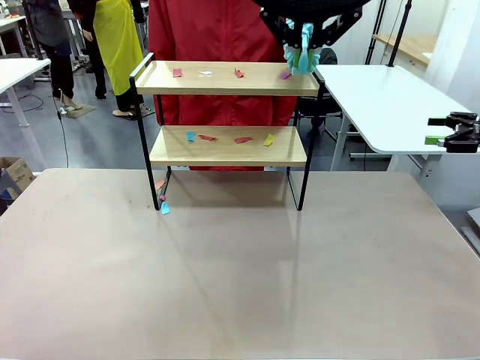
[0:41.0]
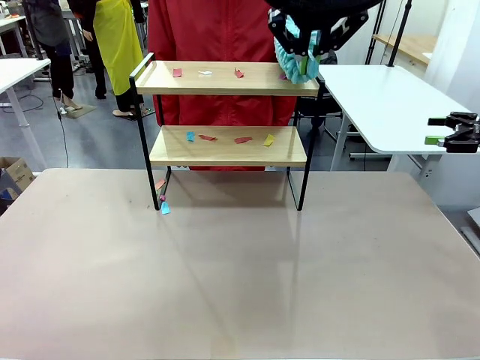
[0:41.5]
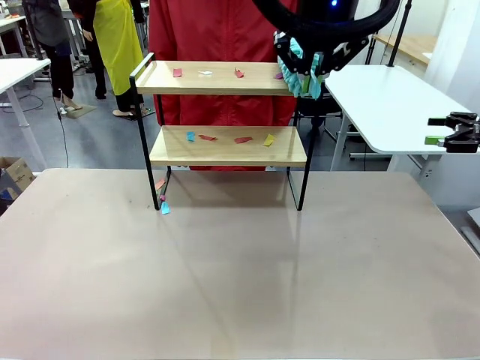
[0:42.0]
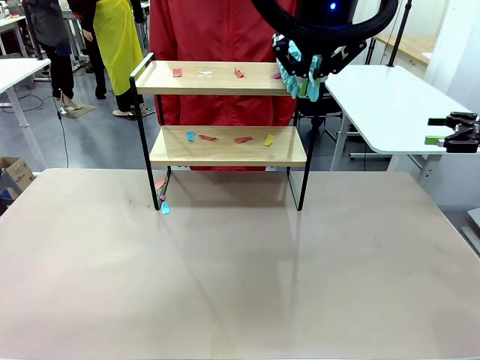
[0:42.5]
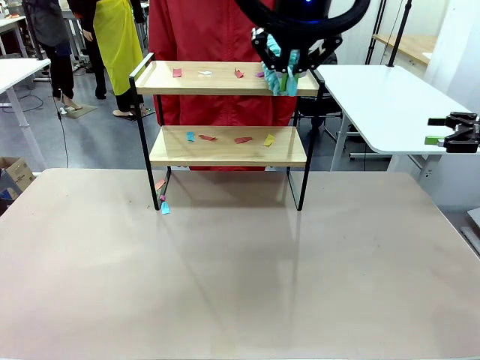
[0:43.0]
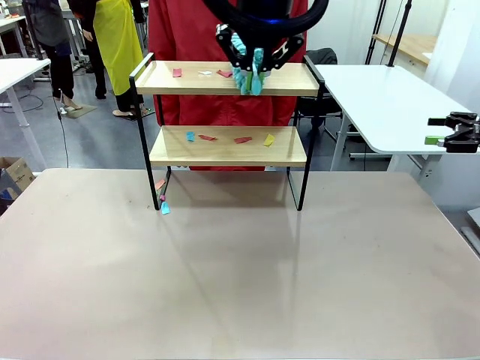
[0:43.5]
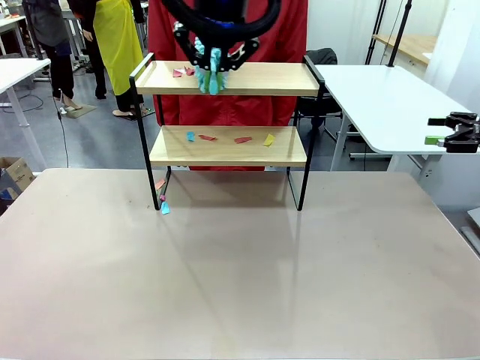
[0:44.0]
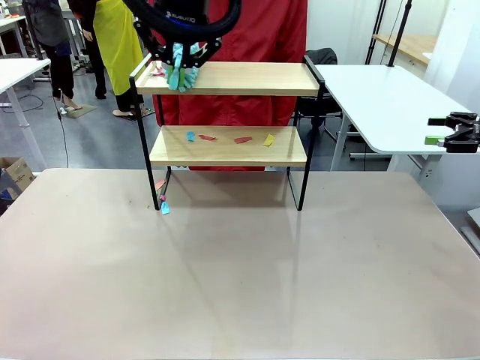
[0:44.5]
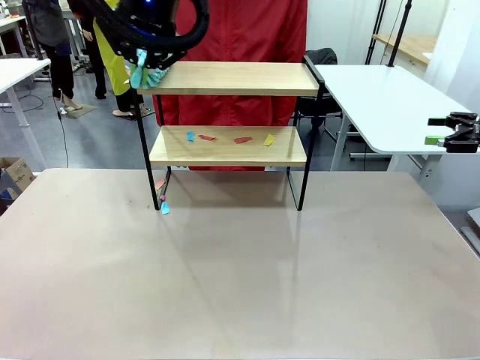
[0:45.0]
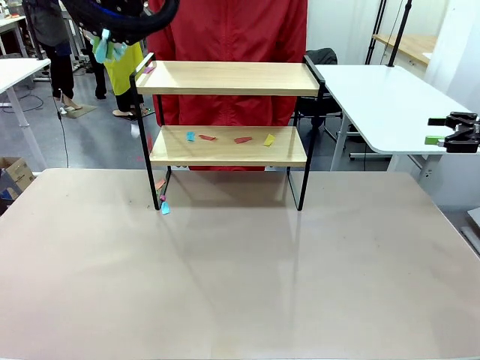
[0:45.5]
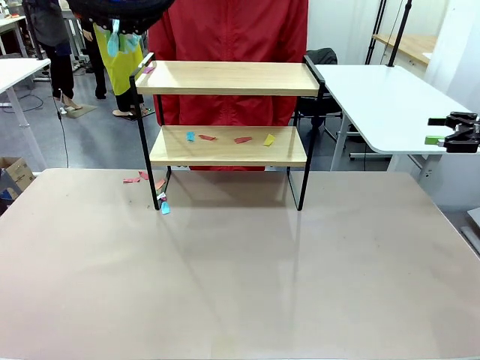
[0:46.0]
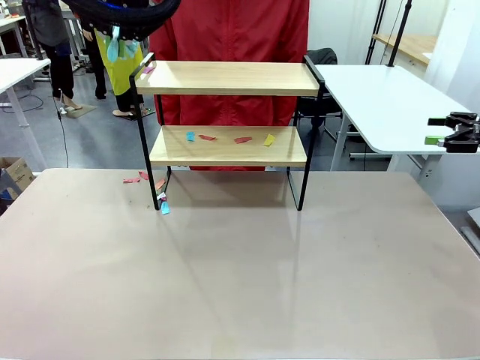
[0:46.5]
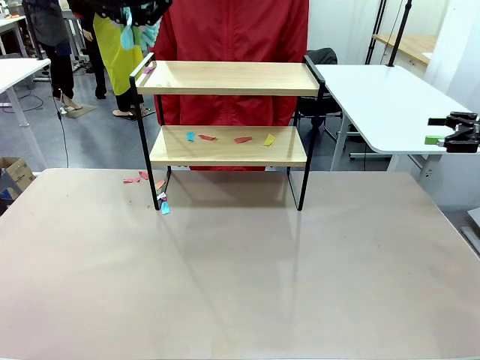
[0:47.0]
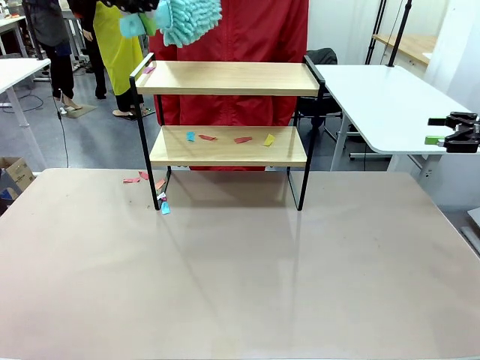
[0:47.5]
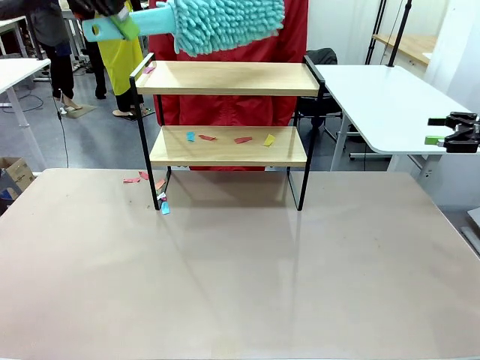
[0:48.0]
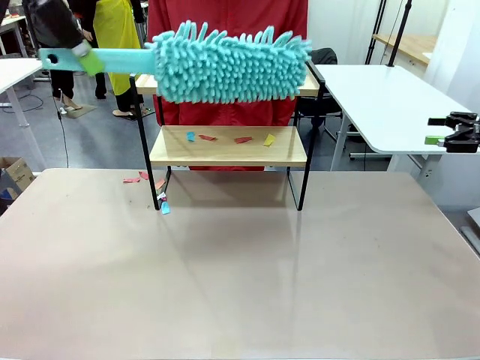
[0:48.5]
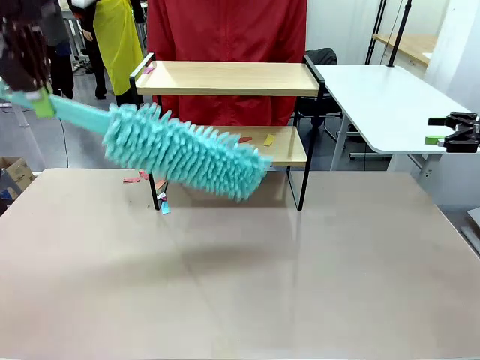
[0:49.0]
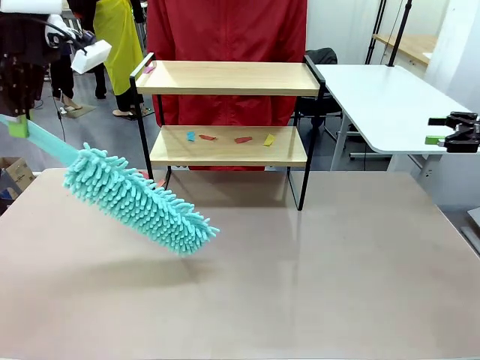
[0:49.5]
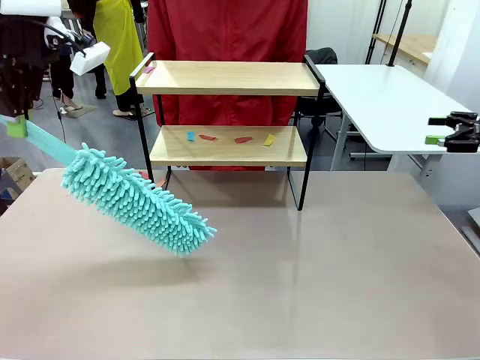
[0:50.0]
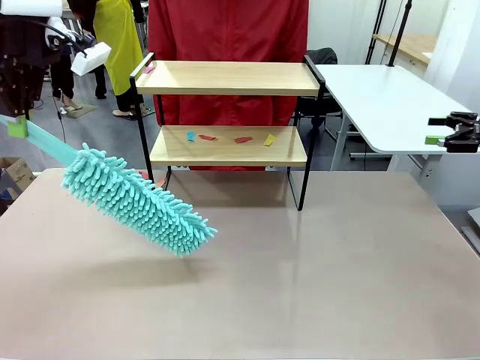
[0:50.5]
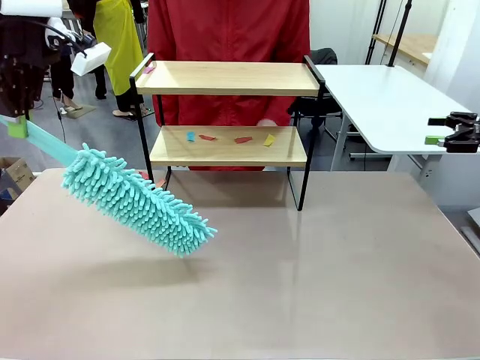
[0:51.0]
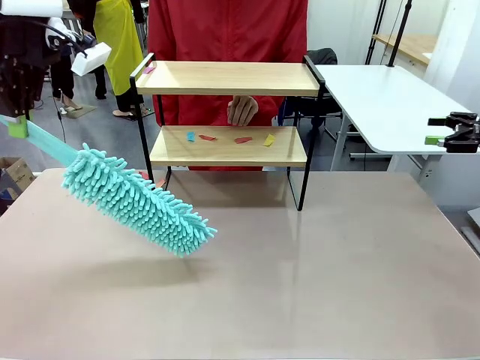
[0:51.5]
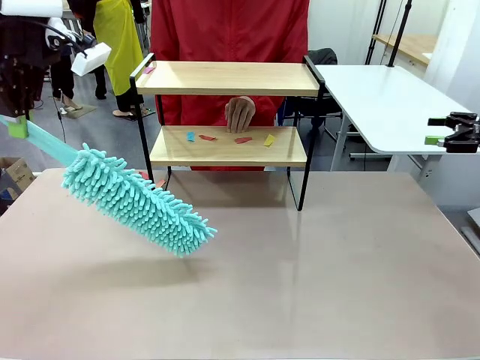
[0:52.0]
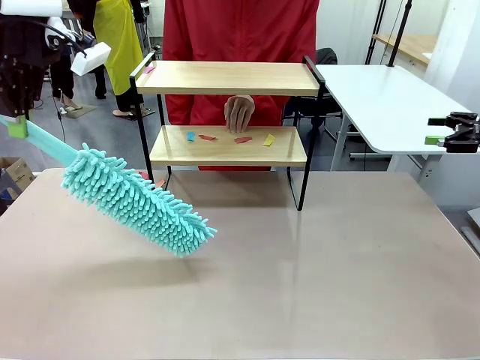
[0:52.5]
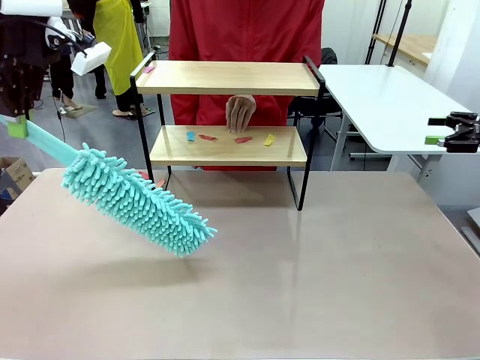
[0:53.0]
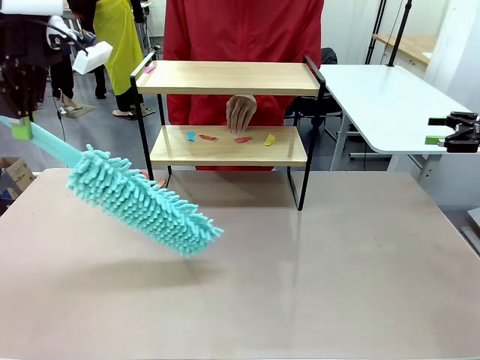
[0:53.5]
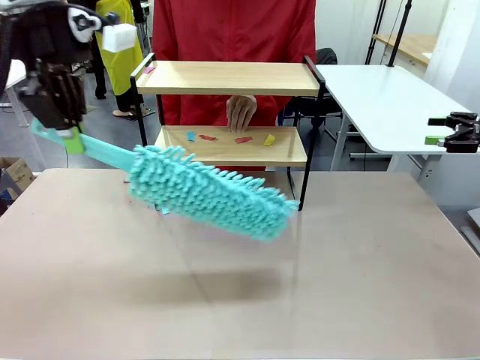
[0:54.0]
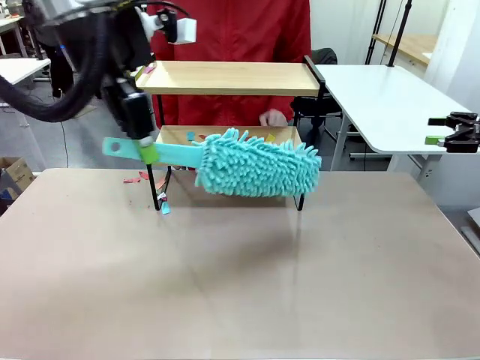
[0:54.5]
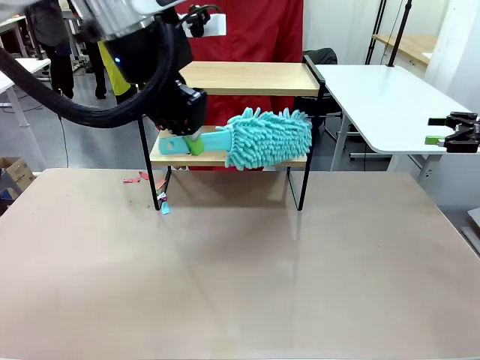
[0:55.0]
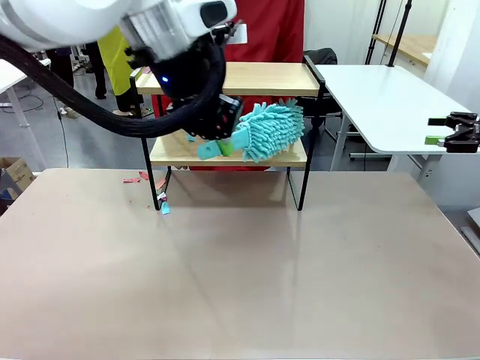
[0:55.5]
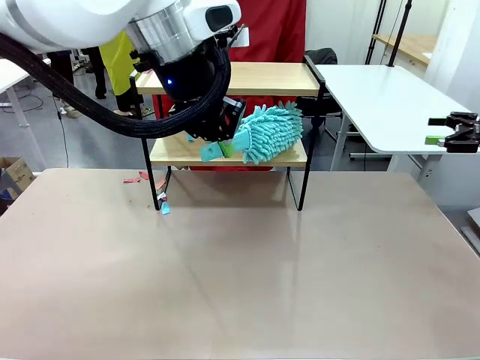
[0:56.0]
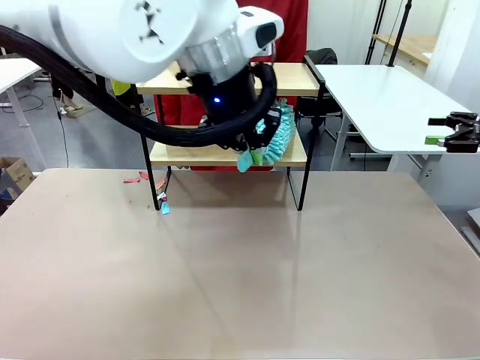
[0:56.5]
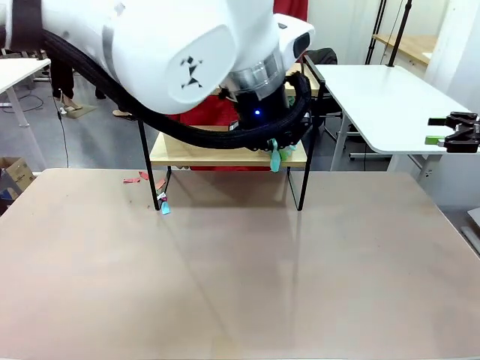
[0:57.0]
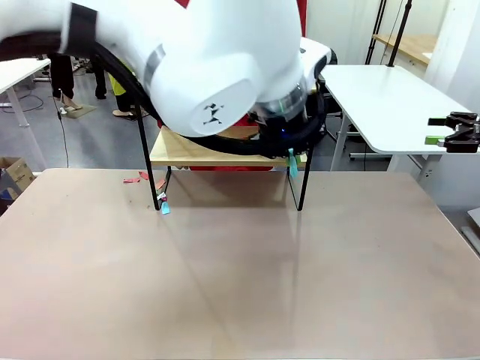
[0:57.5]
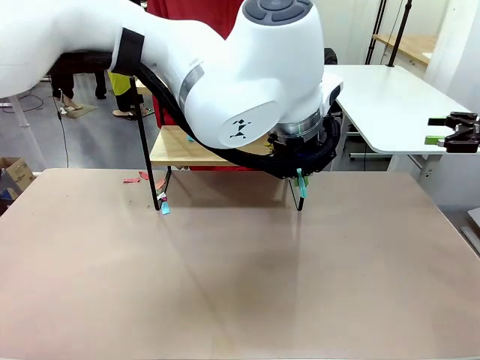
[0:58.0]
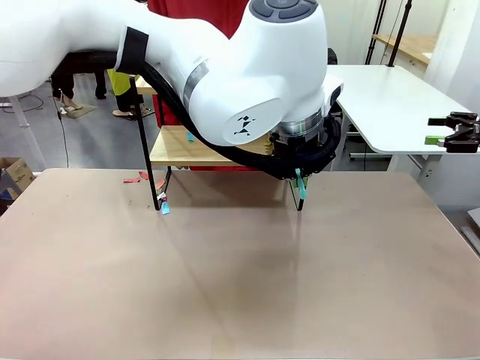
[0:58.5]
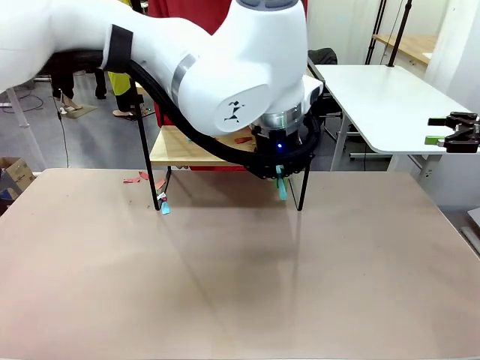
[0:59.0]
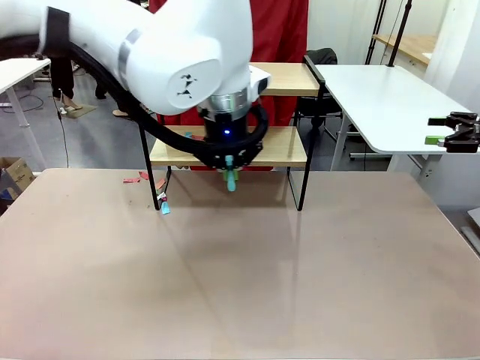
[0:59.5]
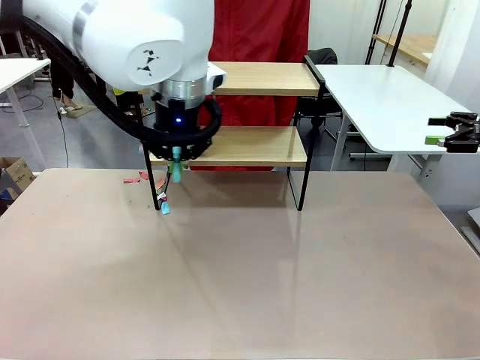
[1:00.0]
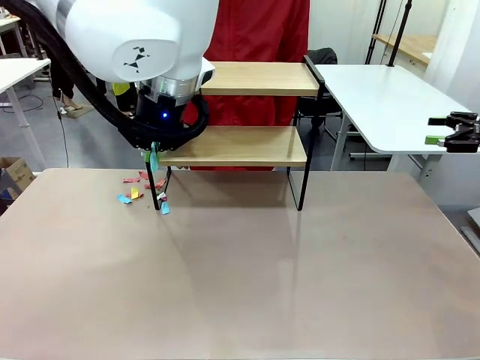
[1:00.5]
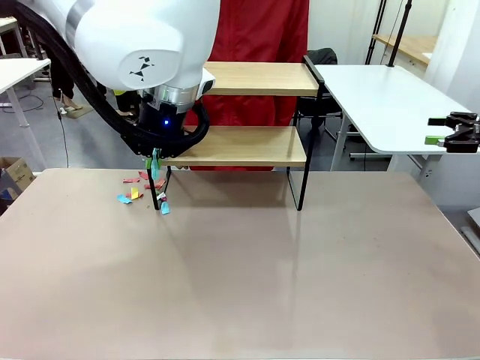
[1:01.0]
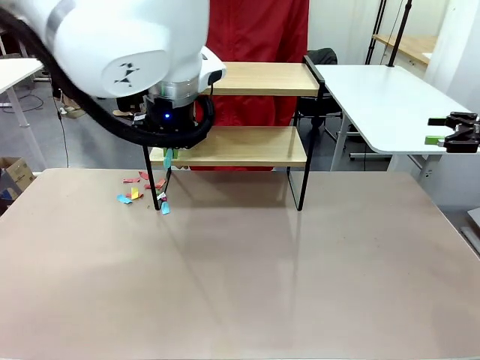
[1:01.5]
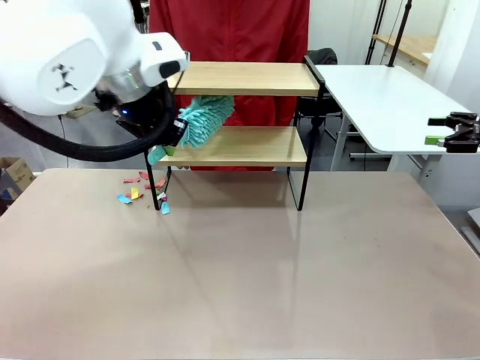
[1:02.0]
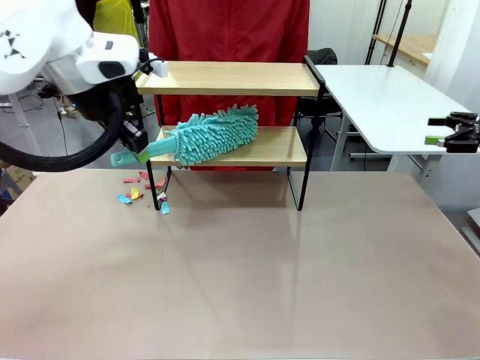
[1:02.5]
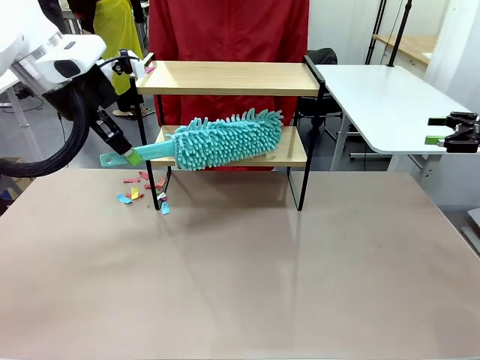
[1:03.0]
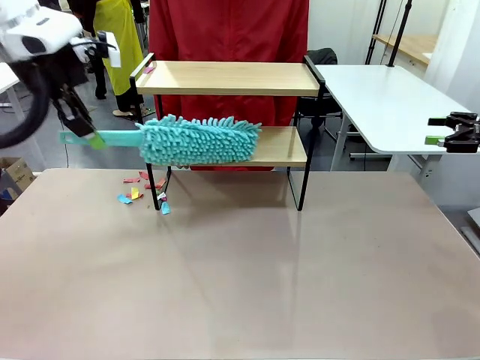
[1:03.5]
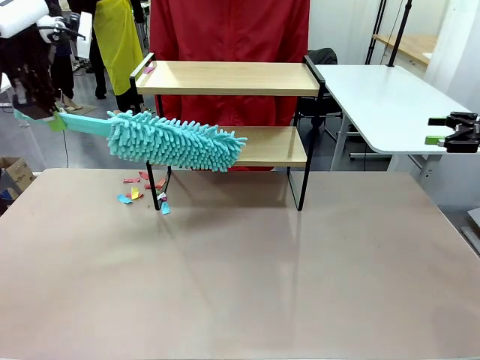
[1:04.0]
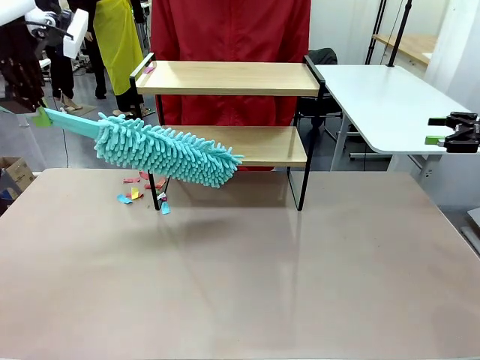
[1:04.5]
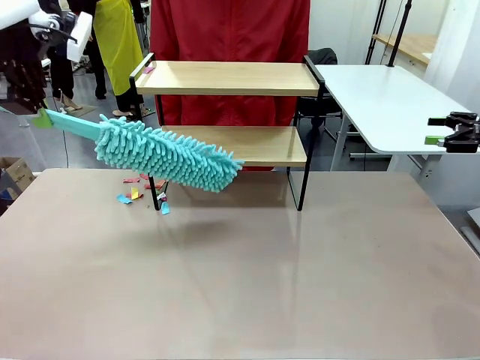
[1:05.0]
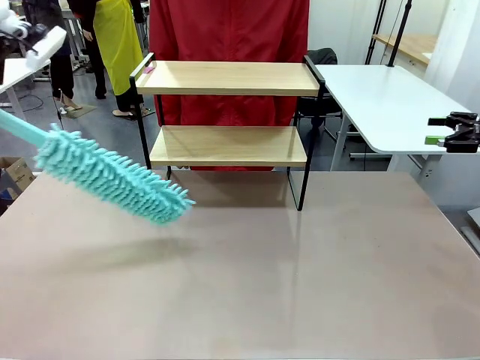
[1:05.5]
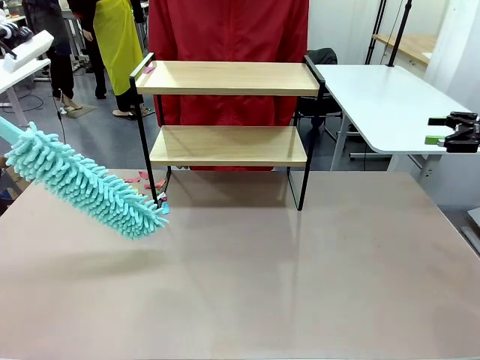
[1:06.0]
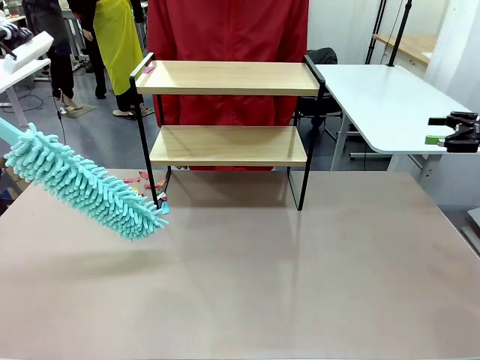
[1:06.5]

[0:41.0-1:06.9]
Task: Clean the shelf.
Robot: Clean the specific section of the Shelf indicated by the human with the Duster.
Person: Point a remaining section of the Shelf.
